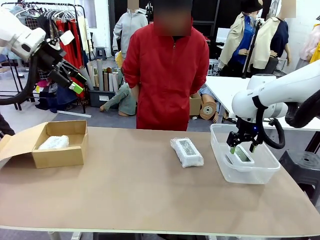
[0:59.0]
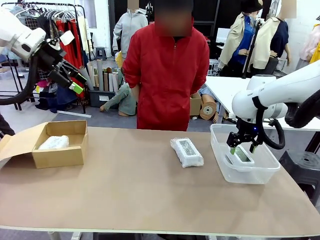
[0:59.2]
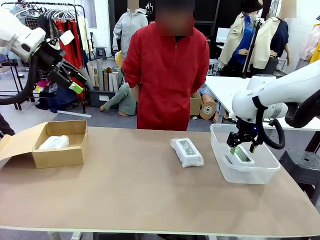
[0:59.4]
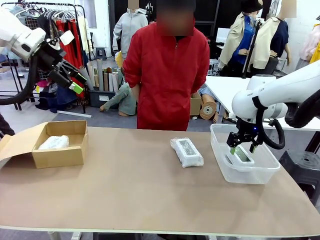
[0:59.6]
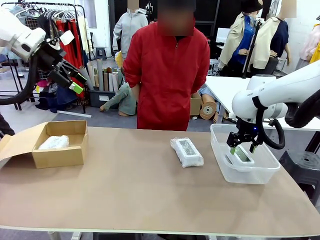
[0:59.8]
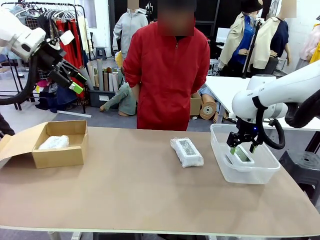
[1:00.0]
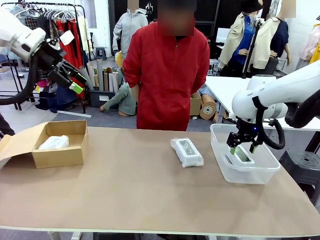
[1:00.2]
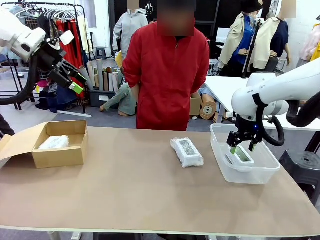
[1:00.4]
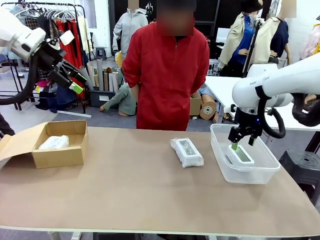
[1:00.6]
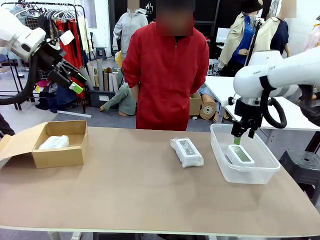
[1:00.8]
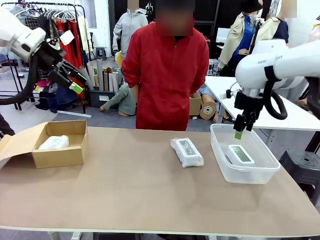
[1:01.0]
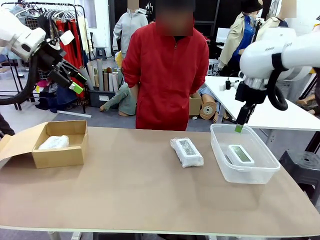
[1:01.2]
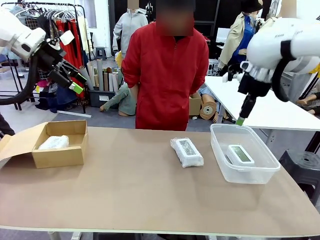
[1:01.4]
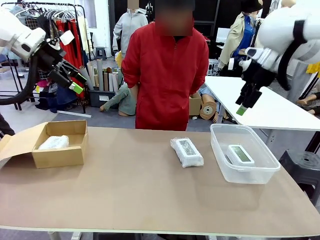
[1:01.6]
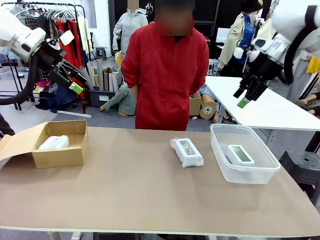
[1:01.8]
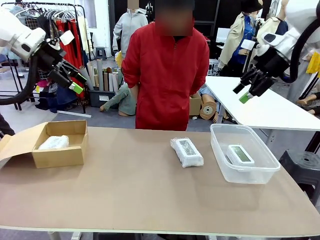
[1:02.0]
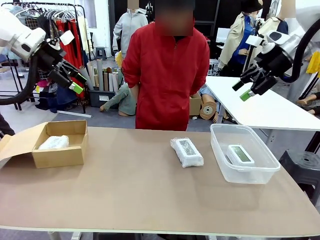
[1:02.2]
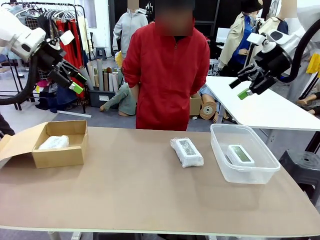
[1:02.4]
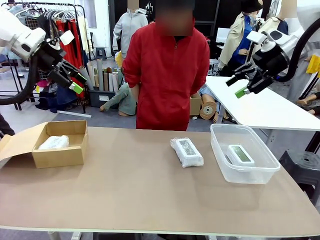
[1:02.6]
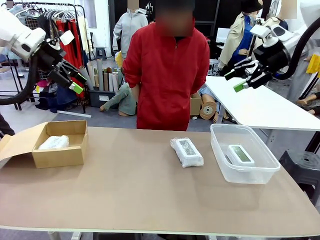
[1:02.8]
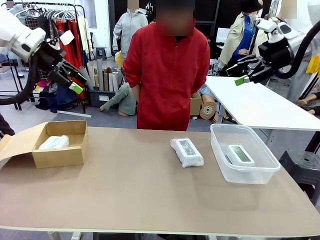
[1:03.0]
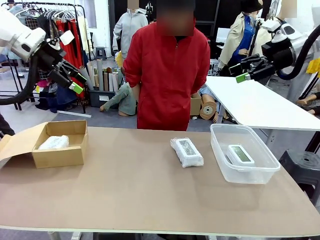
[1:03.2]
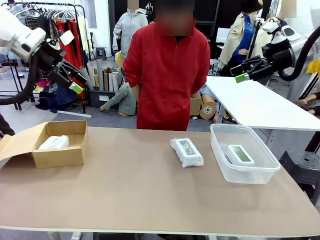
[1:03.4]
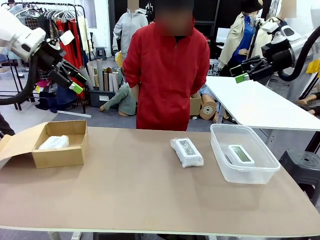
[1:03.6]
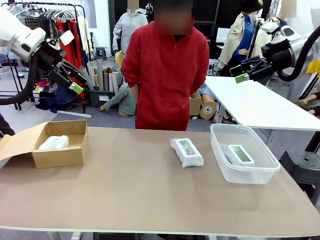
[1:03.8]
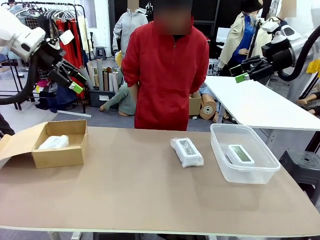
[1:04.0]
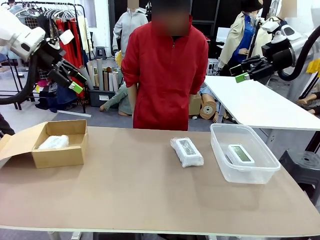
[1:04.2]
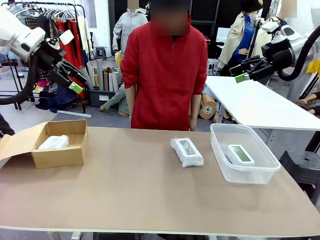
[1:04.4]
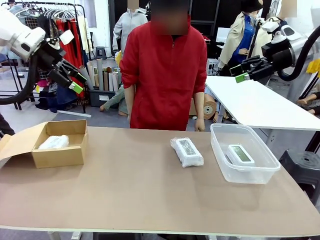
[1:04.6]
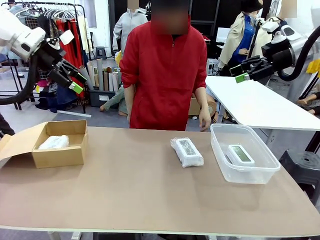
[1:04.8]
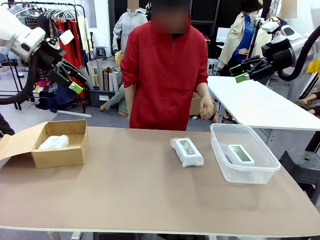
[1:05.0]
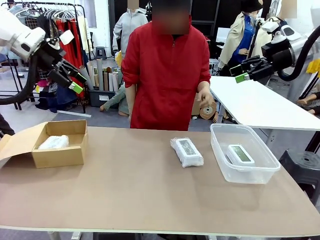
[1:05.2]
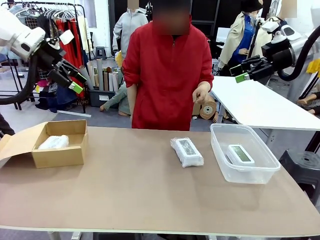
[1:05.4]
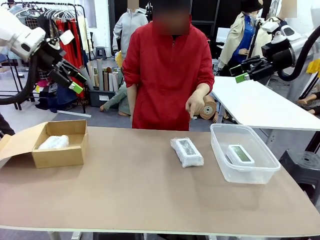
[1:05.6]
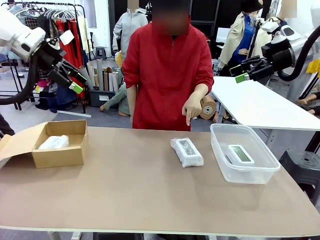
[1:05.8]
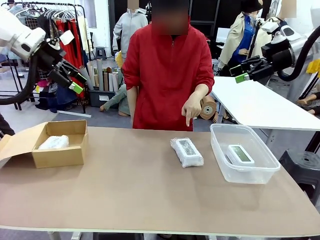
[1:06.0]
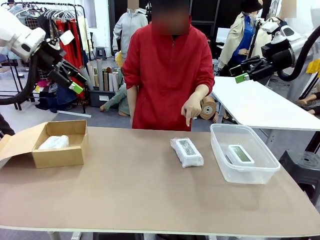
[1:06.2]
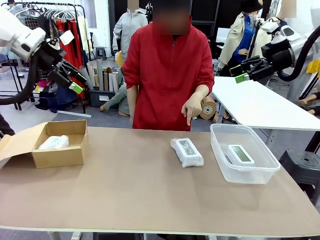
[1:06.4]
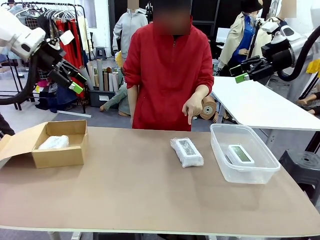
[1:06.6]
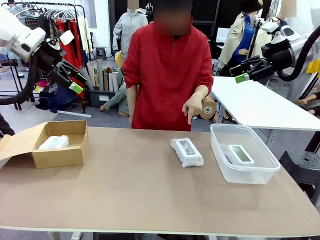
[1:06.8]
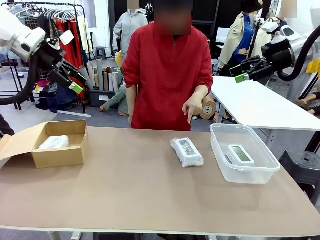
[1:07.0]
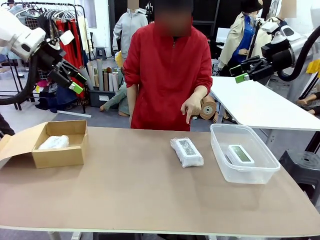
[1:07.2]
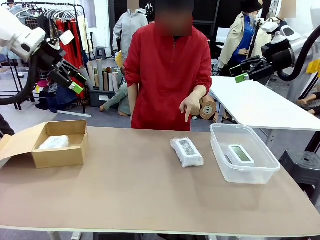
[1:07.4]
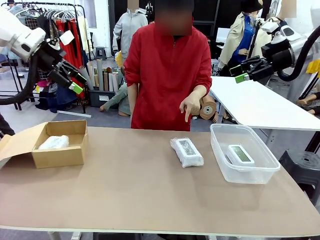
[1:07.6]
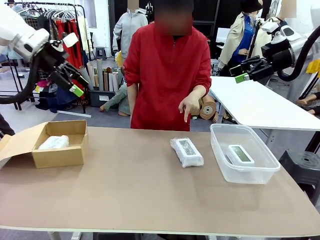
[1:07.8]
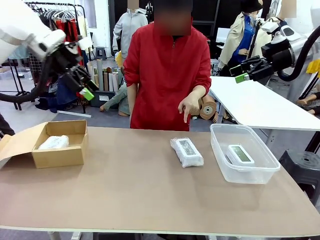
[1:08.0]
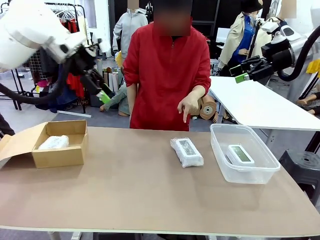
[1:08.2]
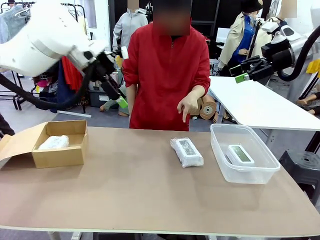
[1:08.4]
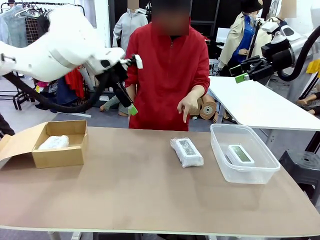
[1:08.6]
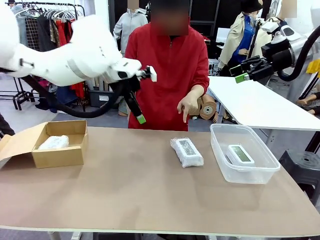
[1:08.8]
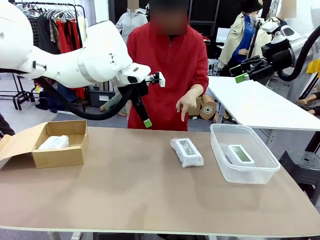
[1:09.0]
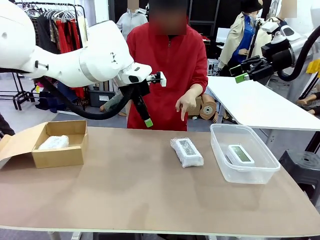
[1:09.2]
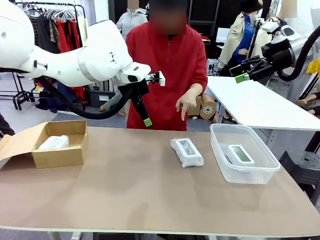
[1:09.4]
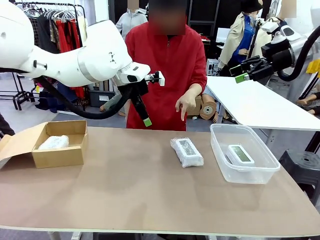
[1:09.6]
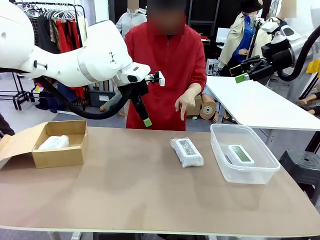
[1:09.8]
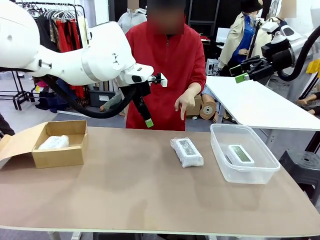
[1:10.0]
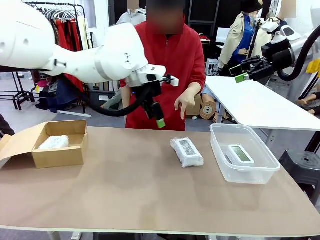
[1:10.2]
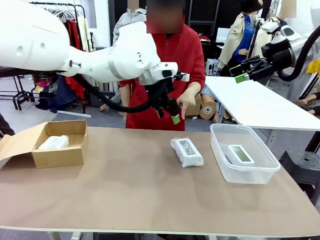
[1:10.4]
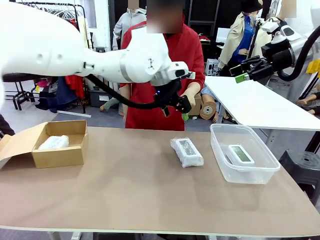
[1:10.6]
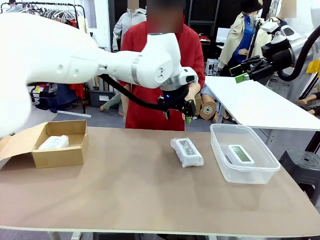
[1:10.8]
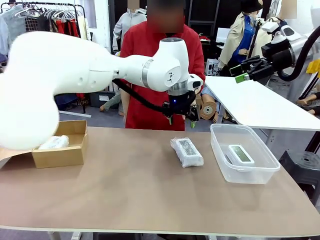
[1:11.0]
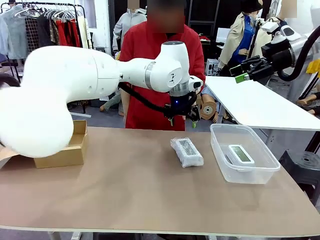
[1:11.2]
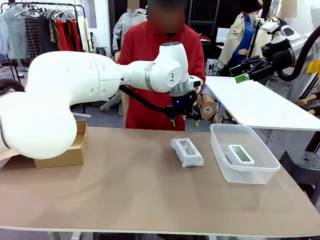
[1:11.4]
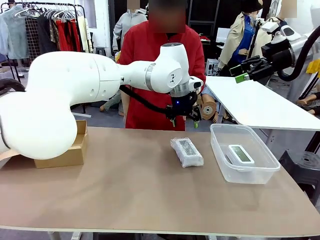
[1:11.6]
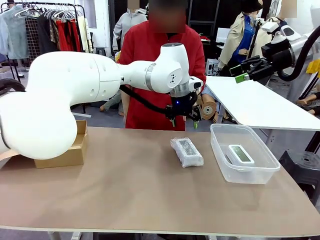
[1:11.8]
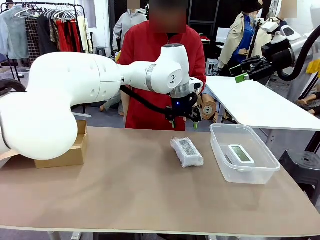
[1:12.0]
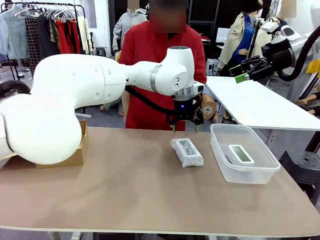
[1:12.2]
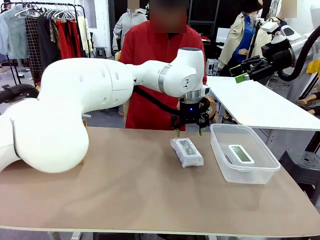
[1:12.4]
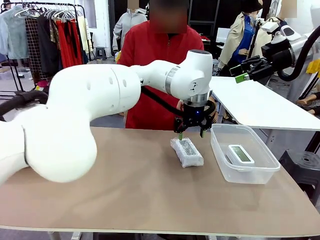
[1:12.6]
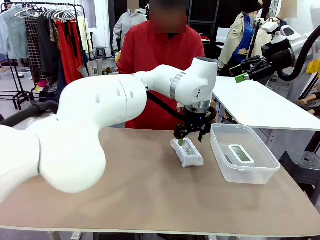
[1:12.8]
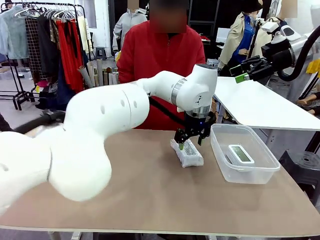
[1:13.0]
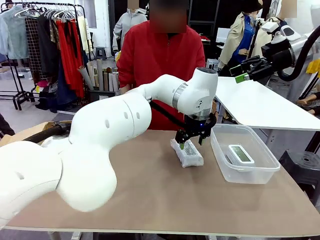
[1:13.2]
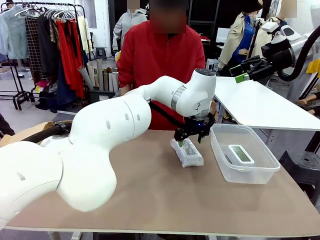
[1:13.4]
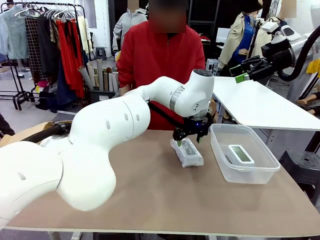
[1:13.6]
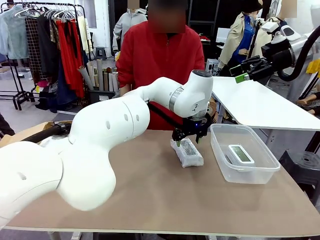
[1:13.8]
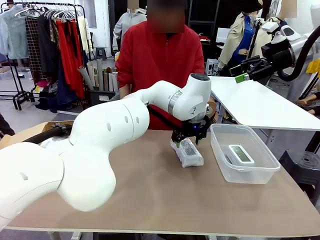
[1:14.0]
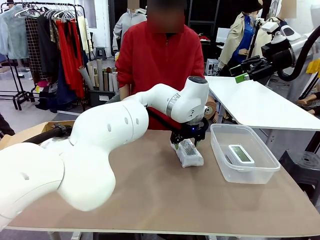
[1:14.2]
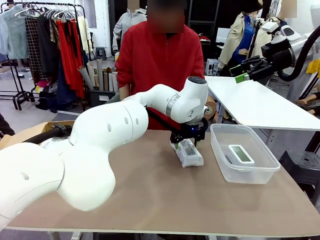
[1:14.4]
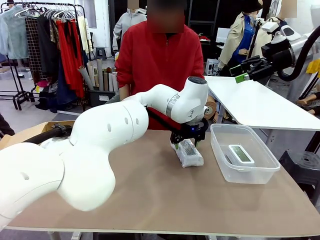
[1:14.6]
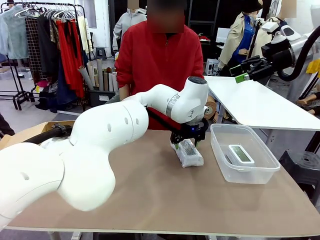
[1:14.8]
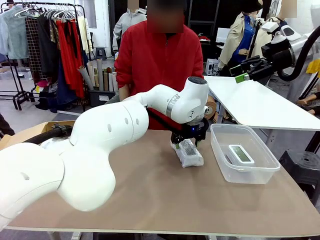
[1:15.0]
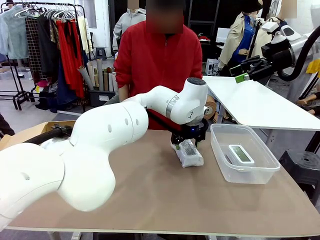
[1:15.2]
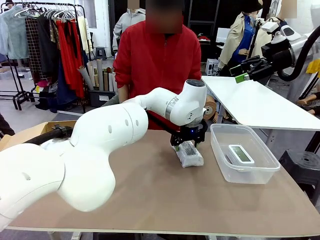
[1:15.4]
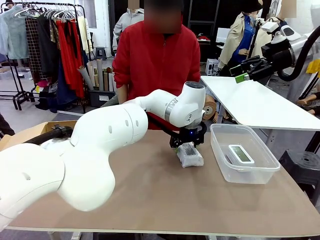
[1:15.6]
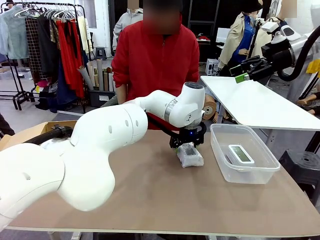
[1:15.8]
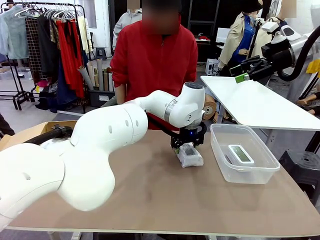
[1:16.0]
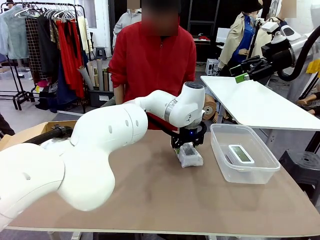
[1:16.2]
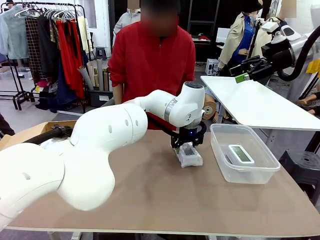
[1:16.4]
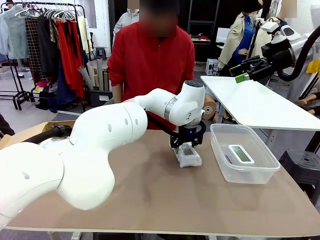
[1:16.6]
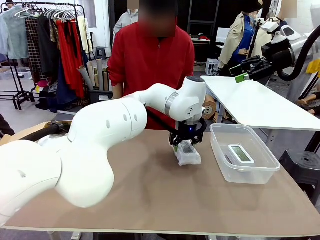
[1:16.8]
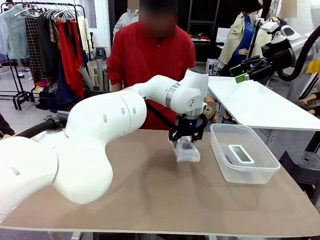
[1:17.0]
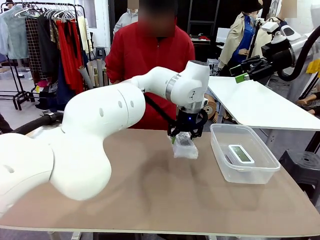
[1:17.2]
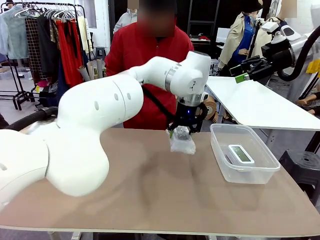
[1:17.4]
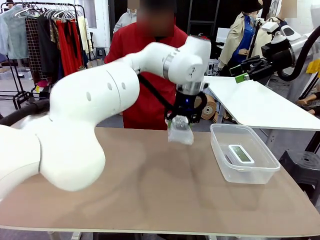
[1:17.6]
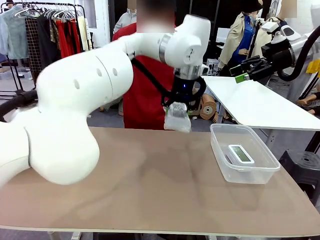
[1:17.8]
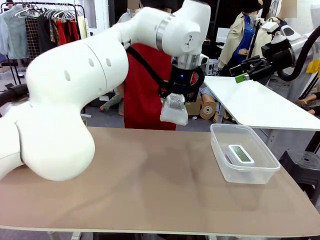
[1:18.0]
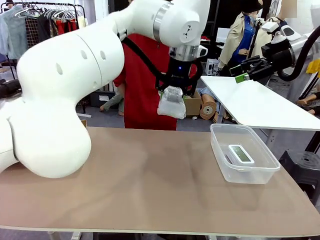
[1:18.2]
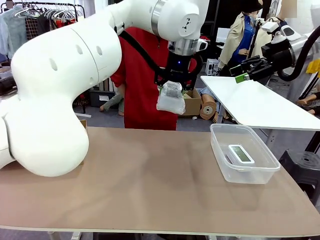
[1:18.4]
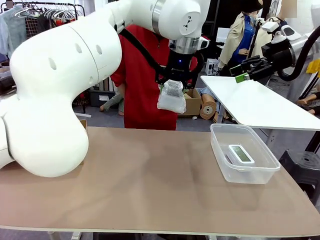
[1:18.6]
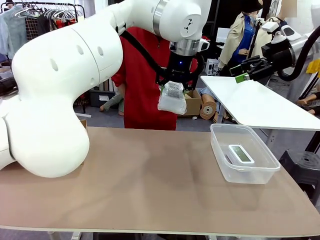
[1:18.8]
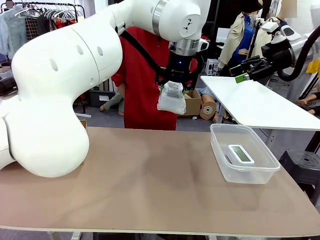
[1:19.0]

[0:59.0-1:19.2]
Task: Separate and place wrapped and unwrapped clocks.
Robot: Pick up the Digital clock indicated by the person.
